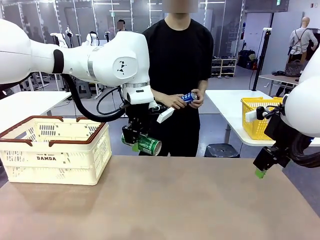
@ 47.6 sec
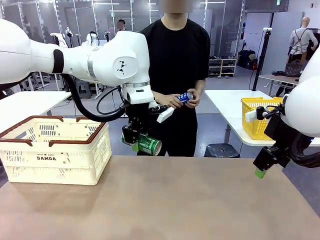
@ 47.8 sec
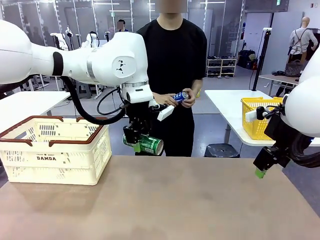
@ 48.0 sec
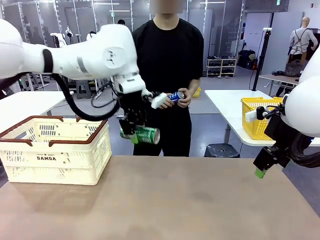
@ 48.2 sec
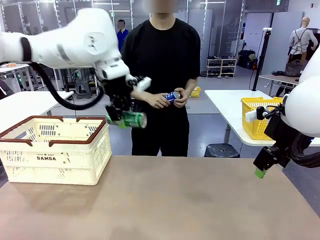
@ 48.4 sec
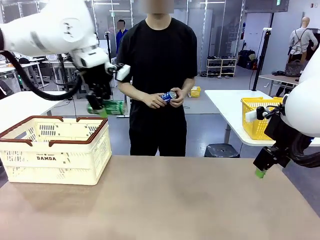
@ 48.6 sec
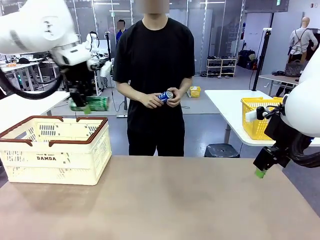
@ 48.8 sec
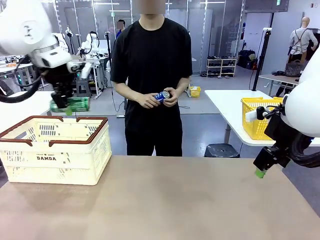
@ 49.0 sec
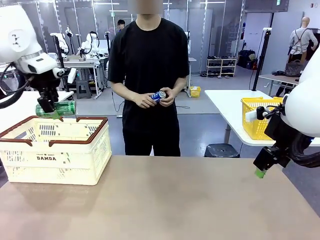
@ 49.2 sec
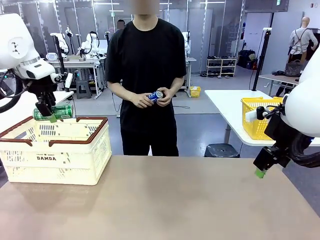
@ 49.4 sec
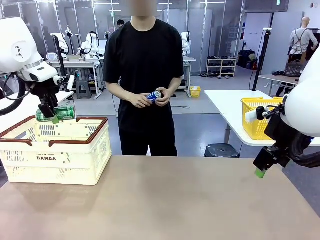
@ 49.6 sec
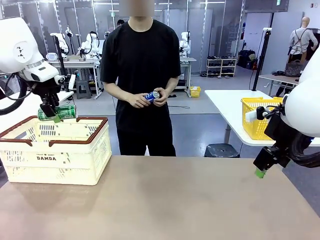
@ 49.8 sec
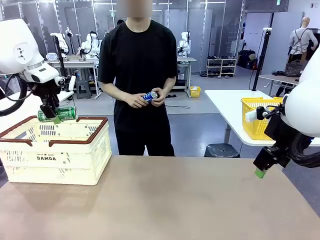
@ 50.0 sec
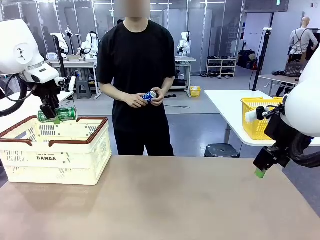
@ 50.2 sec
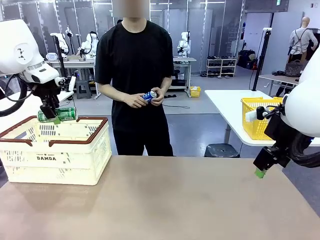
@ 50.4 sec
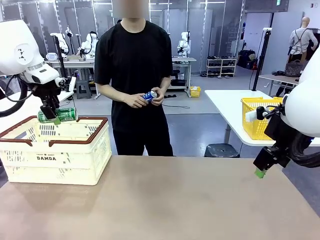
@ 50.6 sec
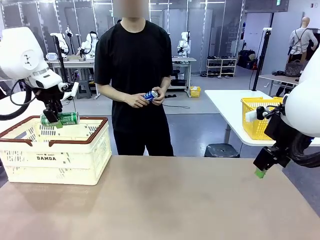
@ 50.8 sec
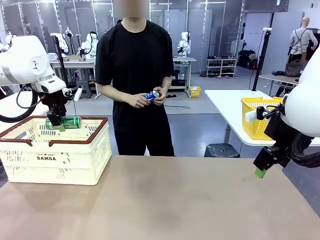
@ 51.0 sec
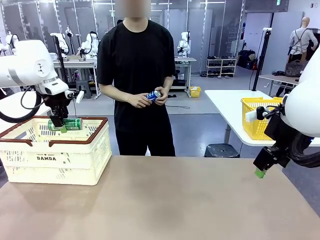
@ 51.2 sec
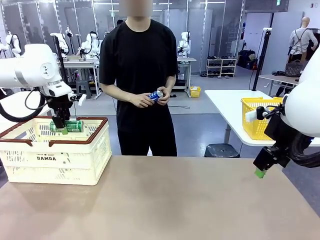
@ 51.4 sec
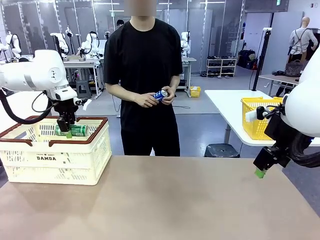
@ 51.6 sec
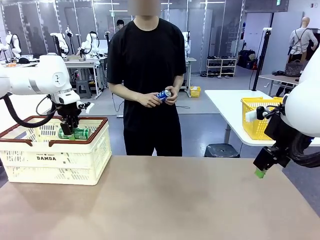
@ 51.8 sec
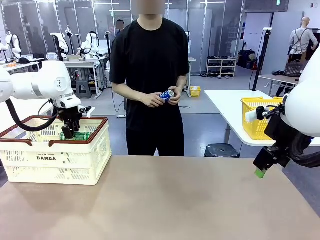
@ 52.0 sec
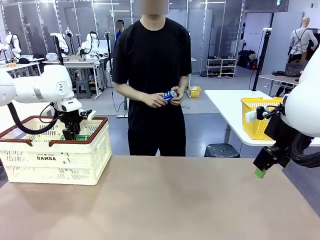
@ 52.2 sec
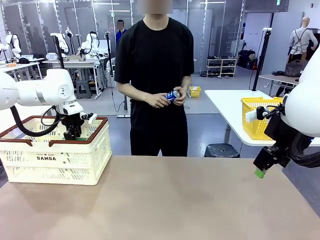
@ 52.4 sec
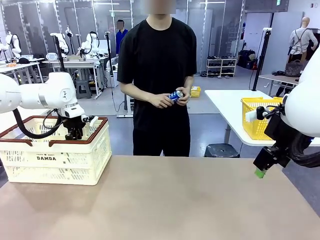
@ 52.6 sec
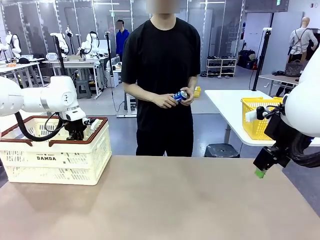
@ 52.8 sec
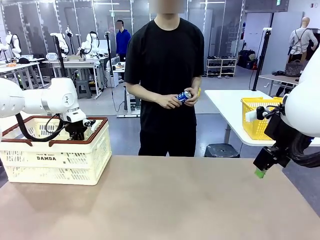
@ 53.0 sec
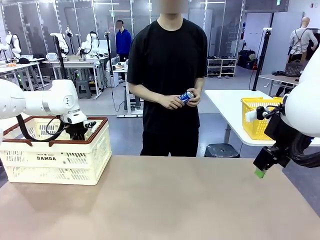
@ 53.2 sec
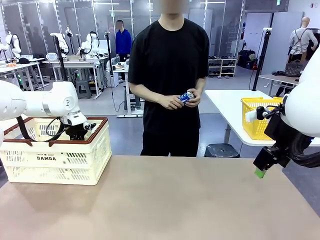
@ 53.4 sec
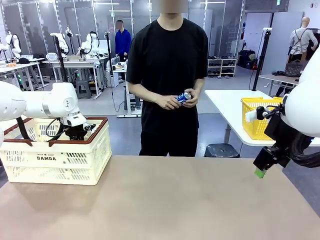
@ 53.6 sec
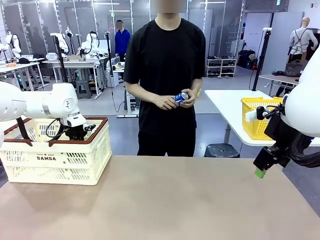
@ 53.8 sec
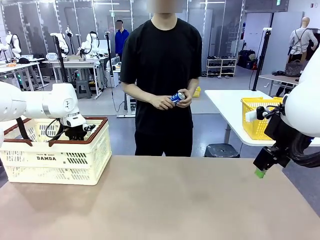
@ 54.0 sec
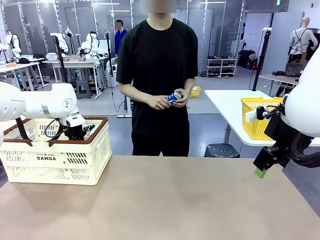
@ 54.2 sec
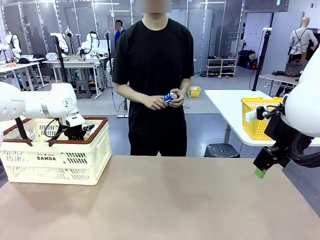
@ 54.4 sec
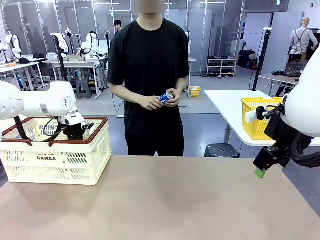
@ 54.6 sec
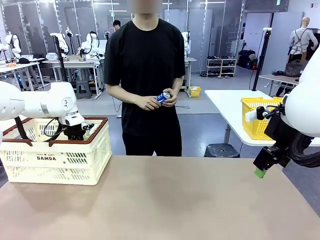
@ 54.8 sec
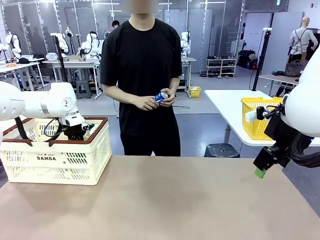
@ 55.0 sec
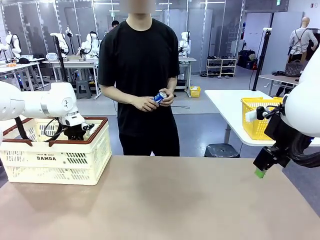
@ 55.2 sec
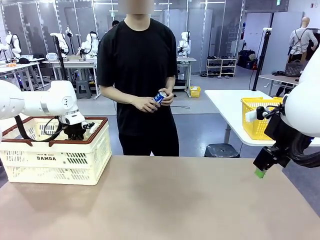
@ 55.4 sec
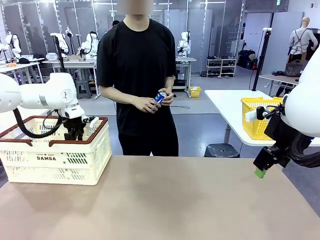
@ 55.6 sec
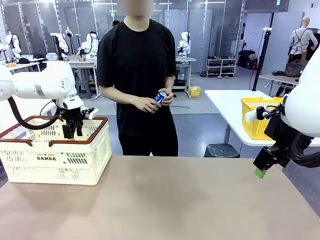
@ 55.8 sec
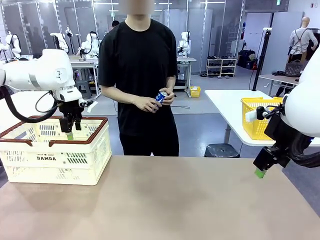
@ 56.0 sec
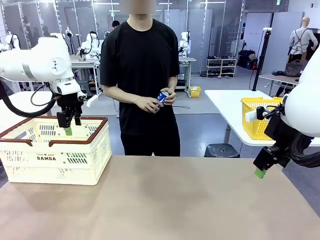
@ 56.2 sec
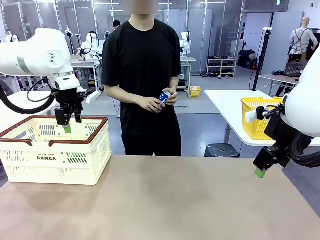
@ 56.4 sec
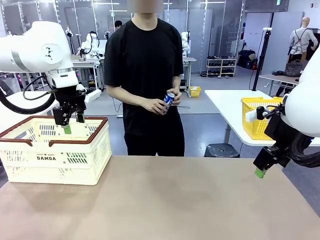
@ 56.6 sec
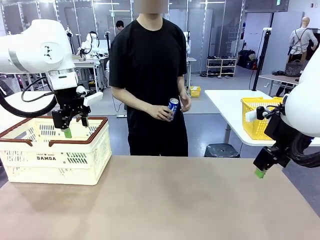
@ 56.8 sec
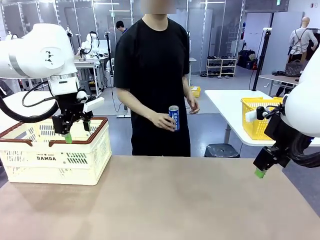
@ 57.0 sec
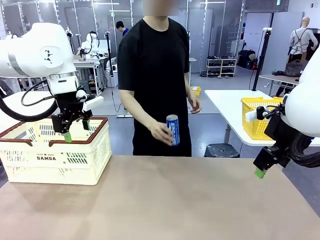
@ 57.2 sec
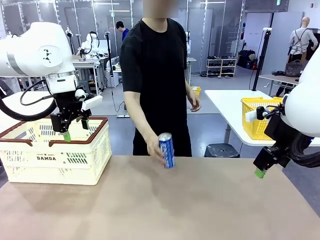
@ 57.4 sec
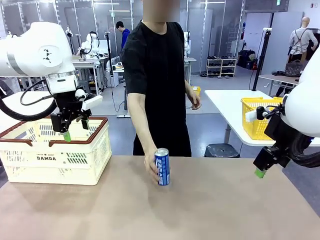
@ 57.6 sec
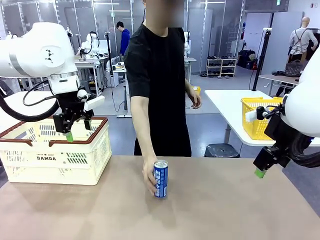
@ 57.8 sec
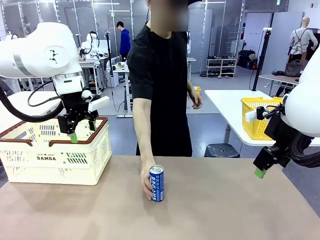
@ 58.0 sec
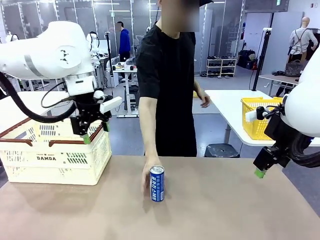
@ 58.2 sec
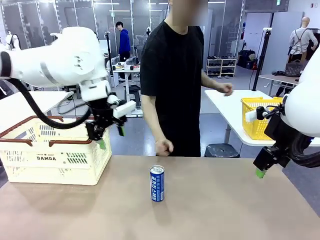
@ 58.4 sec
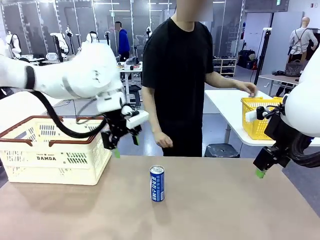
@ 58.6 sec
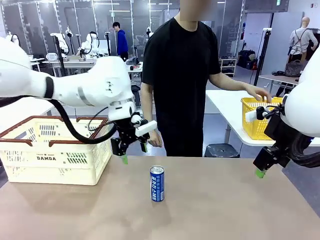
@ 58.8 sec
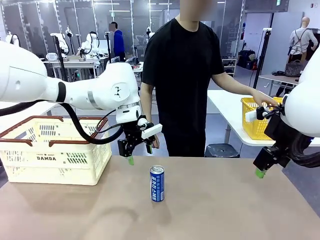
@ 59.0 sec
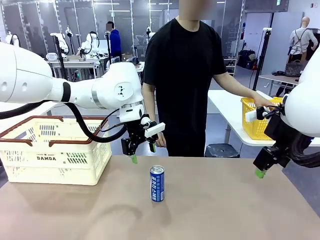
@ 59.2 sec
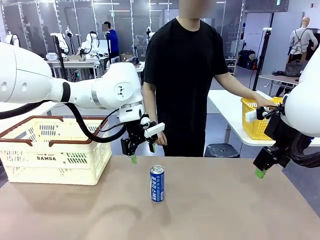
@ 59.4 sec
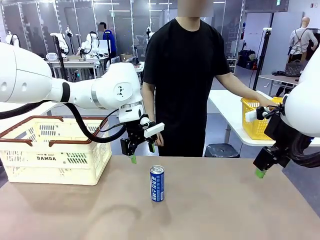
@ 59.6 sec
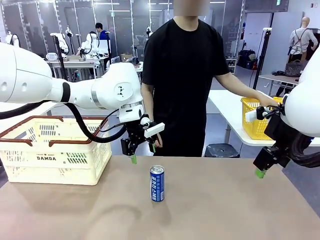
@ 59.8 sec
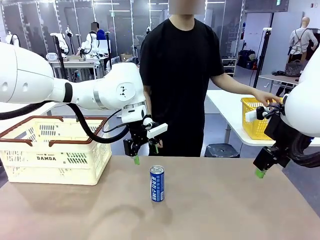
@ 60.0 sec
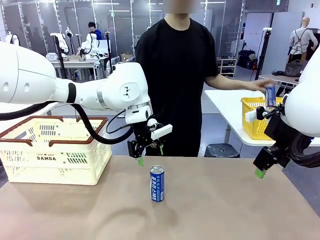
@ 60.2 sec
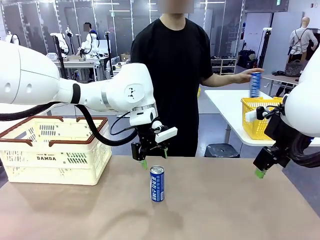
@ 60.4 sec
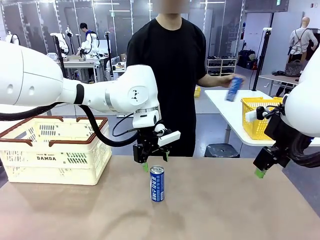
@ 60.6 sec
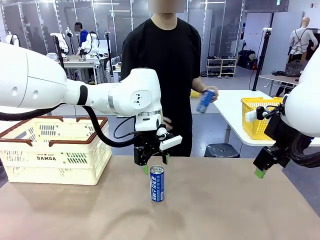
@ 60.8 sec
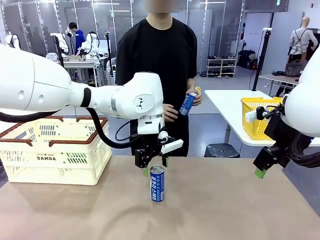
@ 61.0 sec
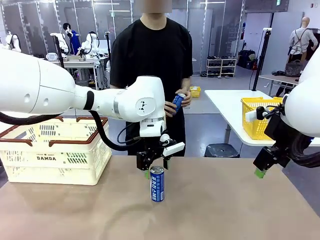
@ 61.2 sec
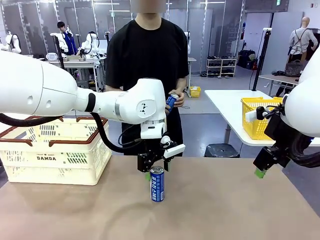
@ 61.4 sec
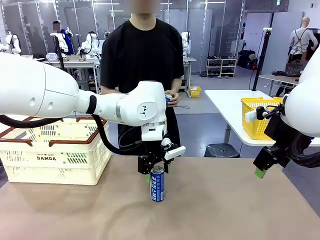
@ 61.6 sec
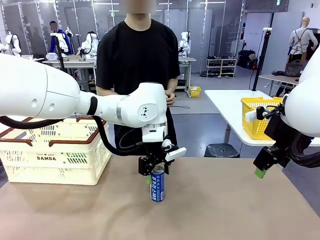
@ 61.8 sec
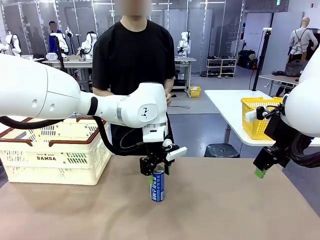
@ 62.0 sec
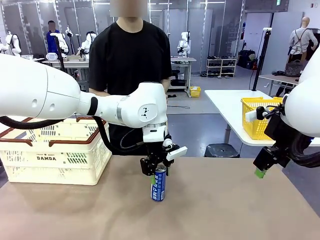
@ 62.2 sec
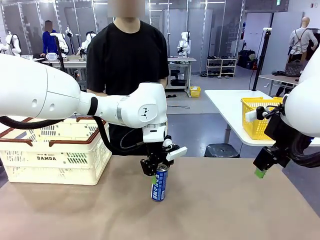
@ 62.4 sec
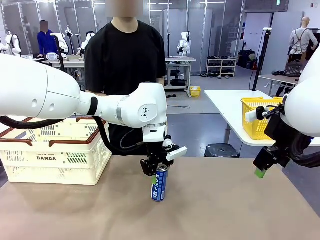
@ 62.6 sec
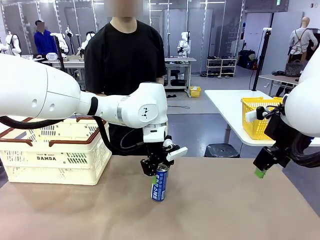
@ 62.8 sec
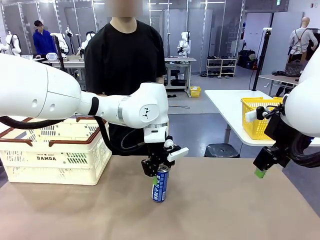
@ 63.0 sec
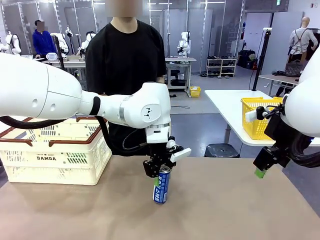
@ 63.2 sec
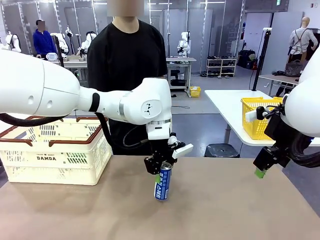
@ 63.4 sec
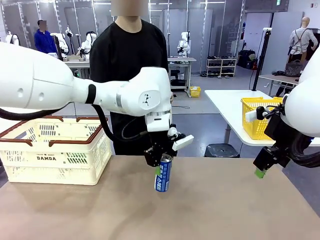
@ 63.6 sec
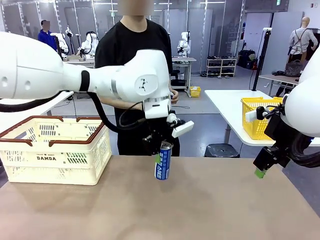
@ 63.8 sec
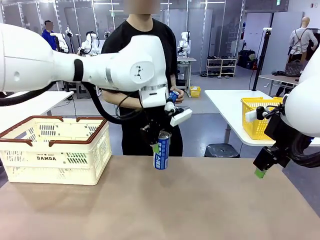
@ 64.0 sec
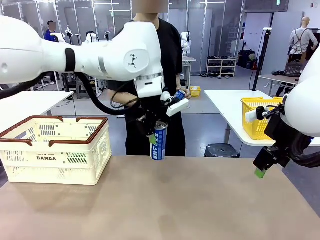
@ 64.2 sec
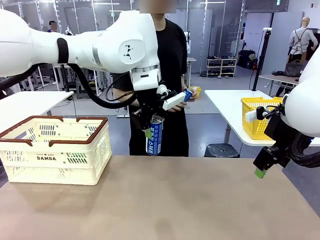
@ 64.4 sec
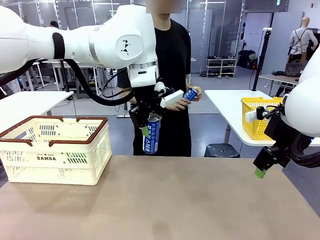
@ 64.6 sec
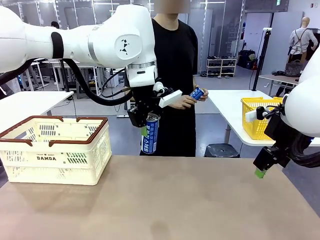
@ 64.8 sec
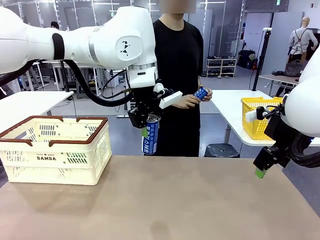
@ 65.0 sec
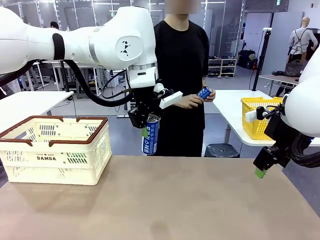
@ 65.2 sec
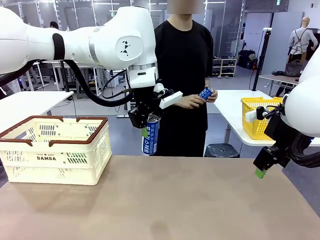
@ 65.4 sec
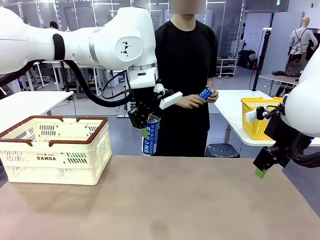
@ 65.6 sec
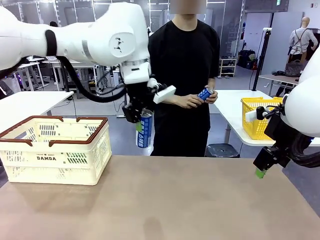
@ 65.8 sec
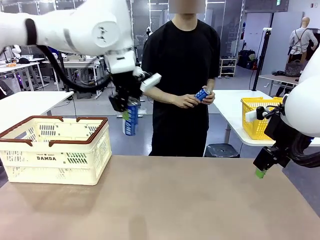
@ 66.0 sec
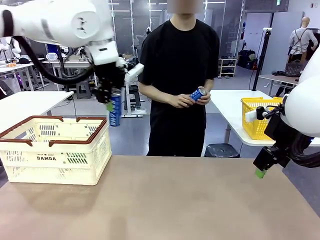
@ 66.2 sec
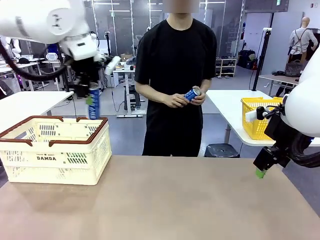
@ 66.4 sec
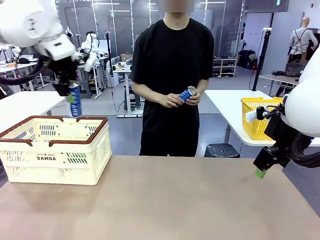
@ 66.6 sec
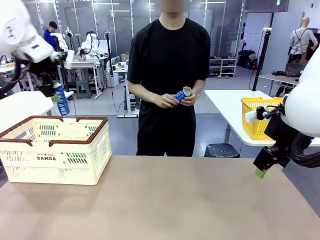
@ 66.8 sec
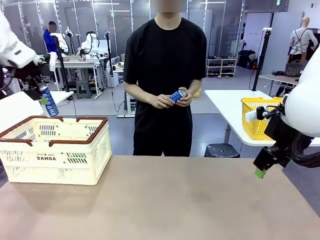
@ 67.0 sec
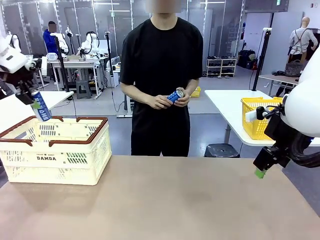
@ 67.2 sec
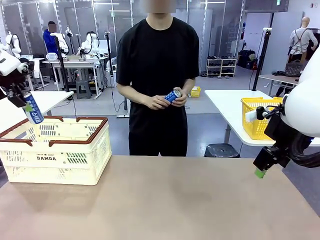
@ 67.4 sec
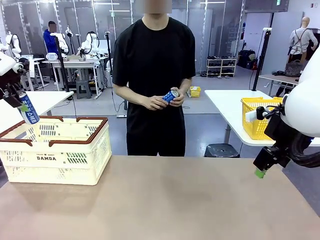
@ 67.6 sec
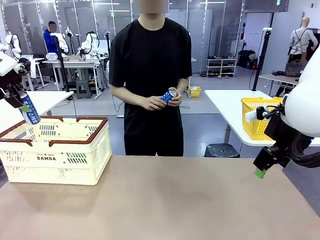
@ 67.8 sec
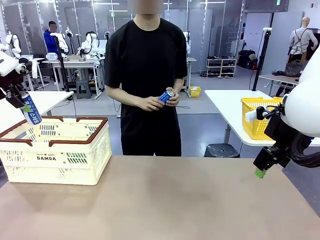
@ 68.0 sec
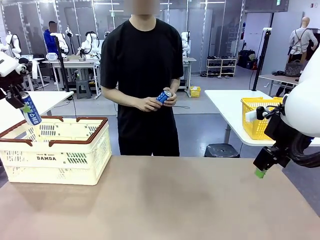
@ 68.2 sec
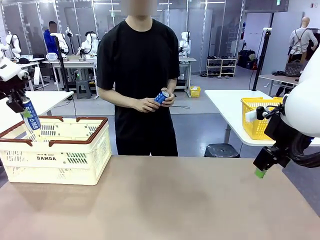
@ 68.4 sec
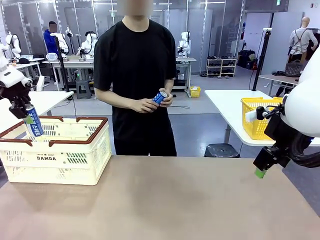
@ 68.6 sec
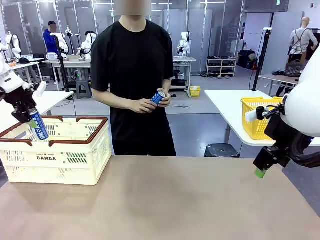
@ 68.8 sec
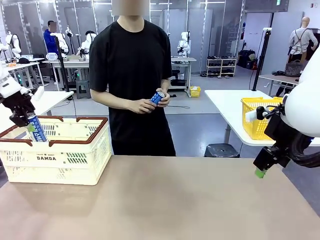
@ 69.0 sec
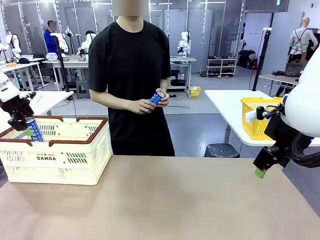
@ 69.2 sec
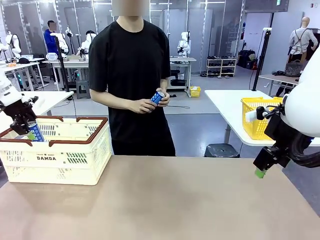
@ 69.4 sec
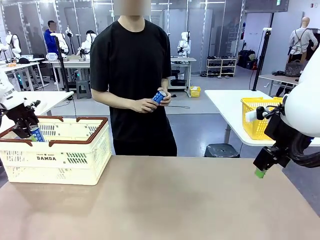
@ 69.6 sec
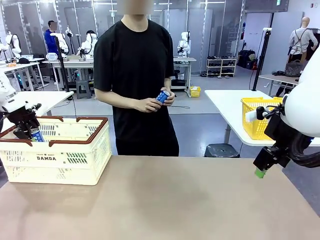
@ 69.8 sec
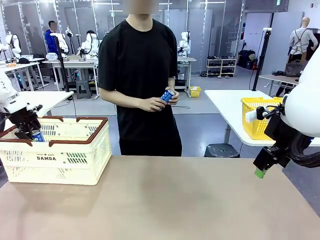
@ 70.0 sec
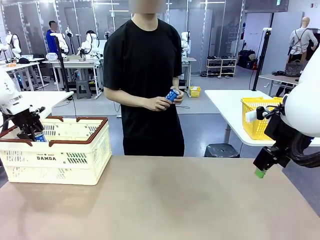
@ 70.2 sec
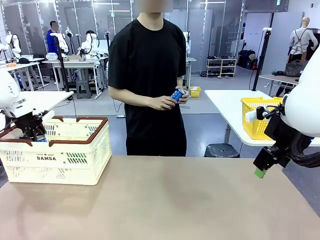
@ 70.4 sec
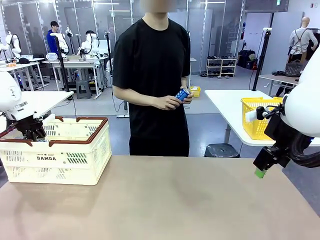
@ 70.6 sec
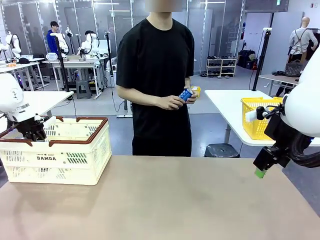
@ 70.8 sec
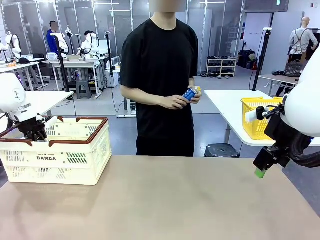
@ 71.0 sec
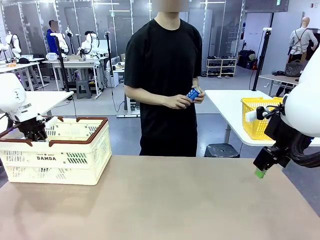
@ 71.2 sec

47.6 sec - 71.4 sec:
Task: Place the drinks into the Shopping basket.
Robot: Pick up one drink and place it into the Shopping basket.
